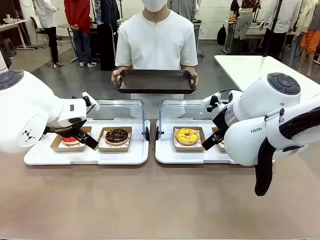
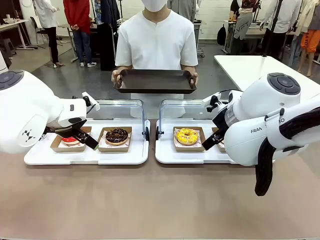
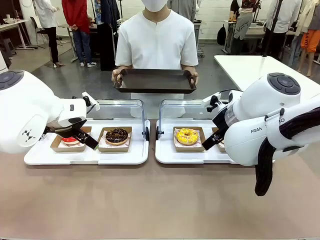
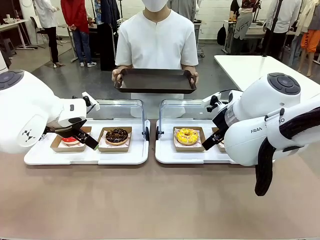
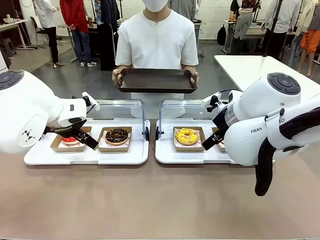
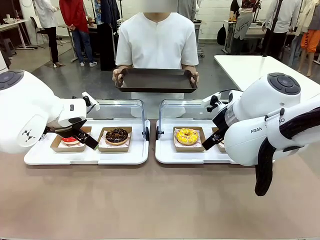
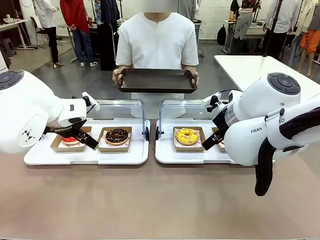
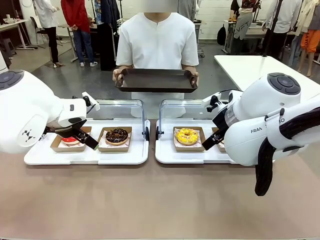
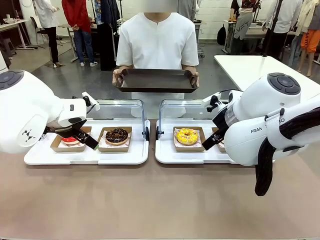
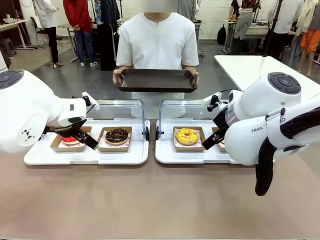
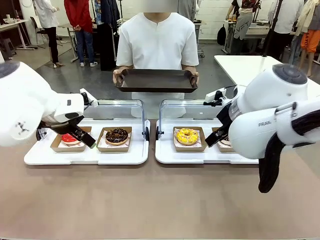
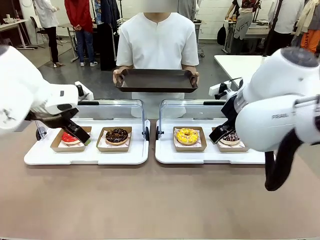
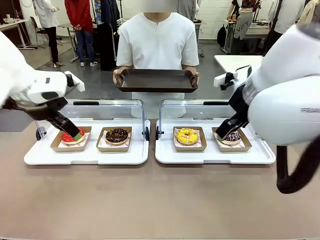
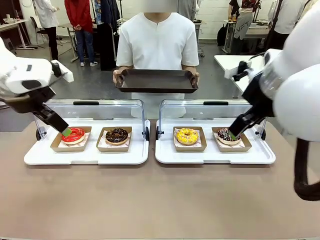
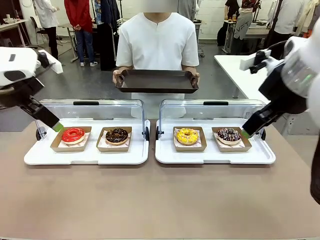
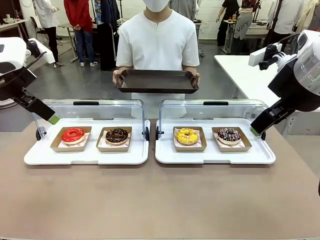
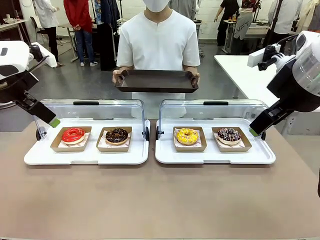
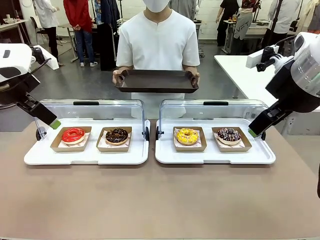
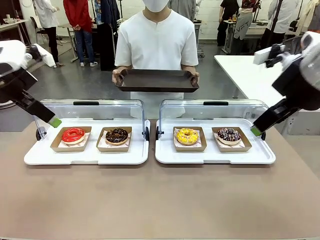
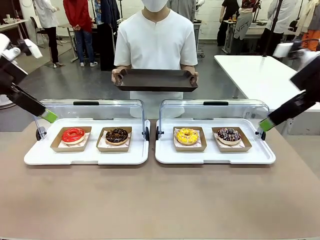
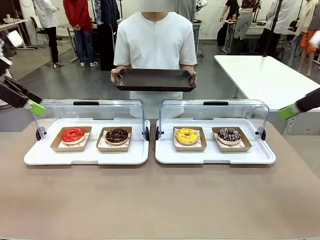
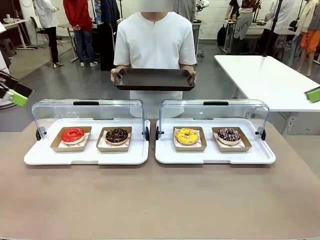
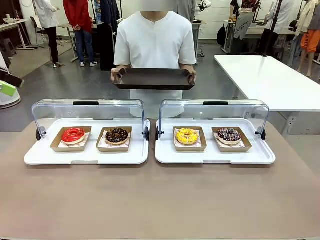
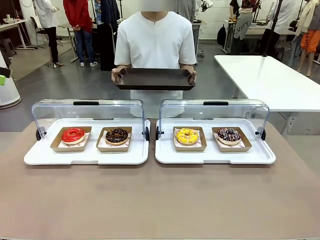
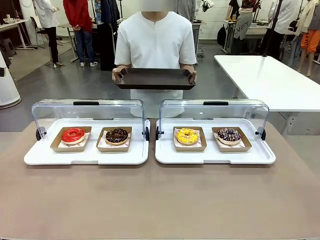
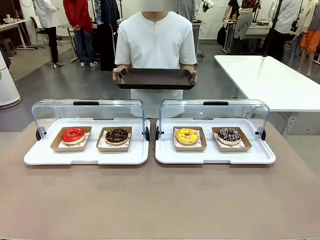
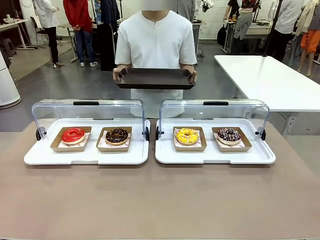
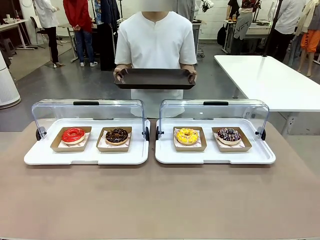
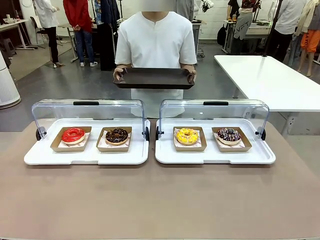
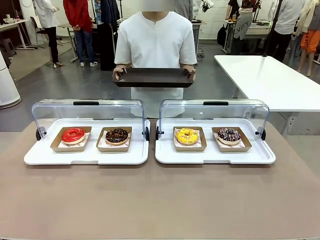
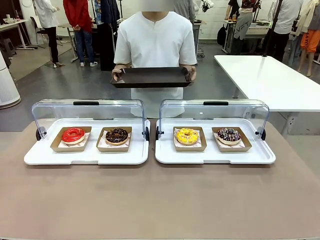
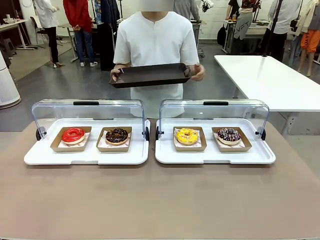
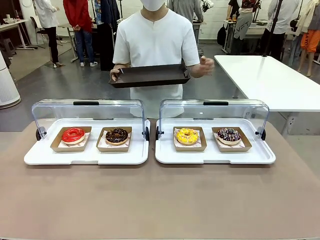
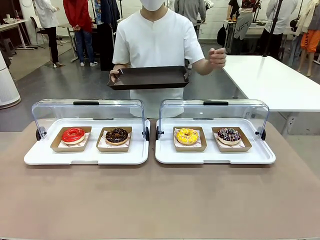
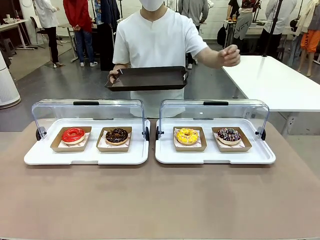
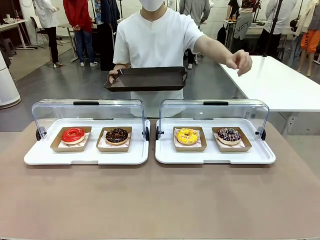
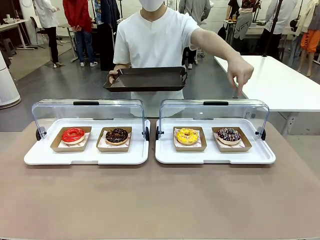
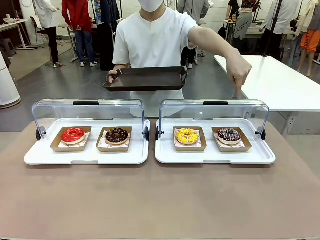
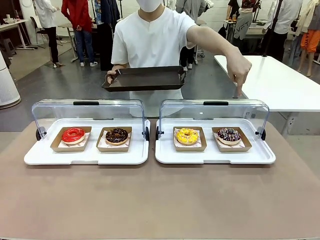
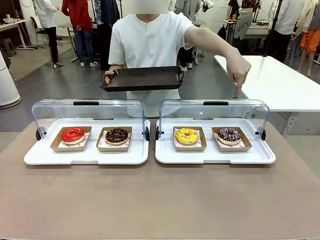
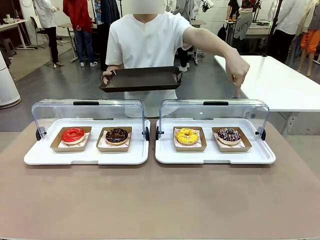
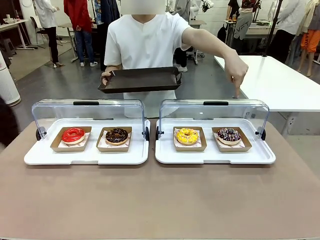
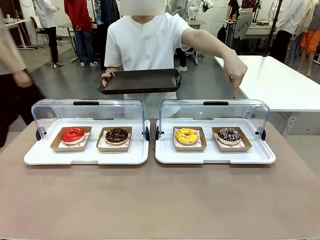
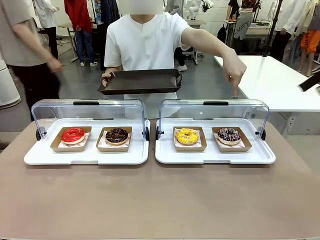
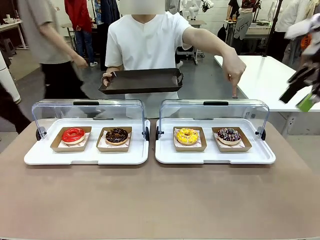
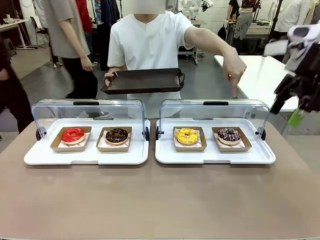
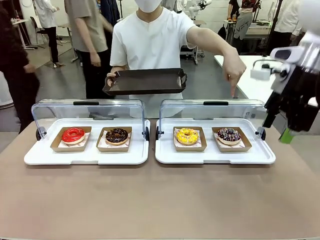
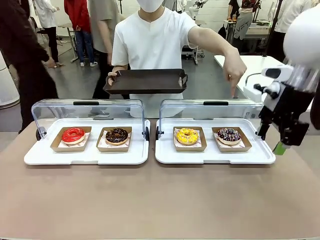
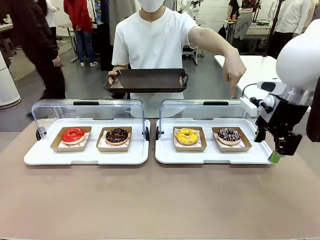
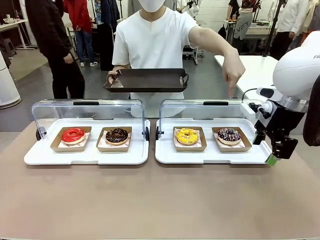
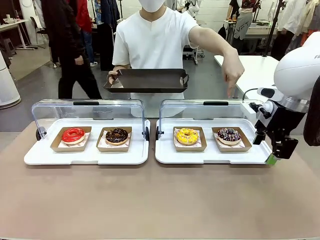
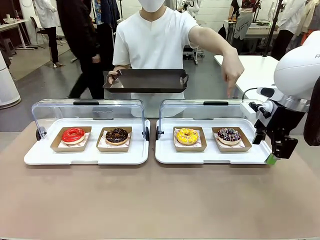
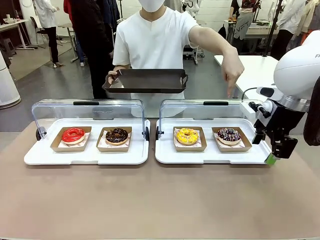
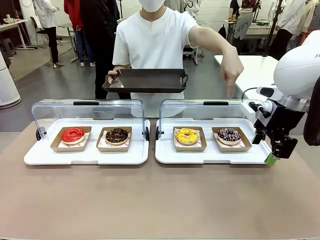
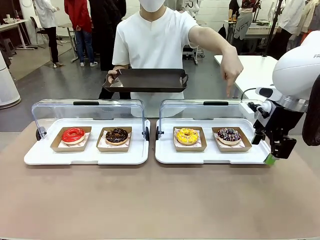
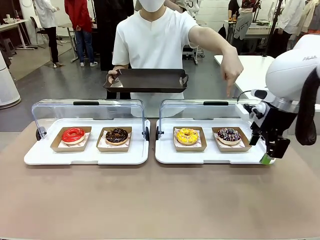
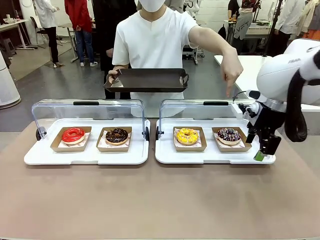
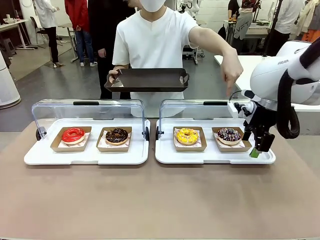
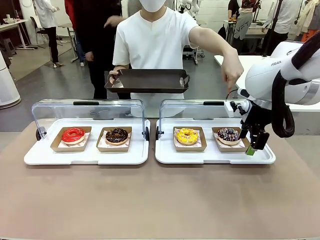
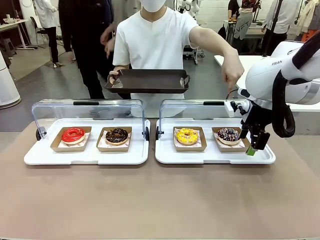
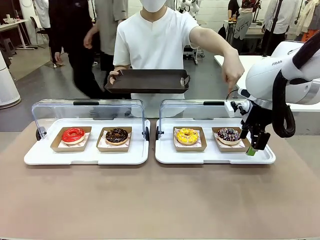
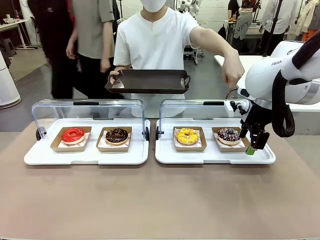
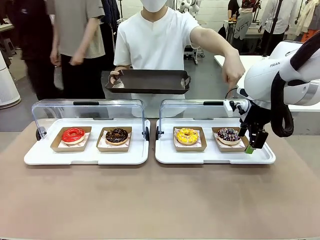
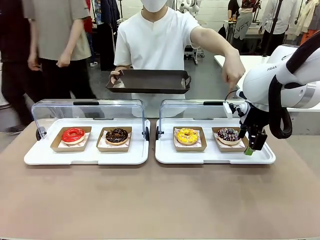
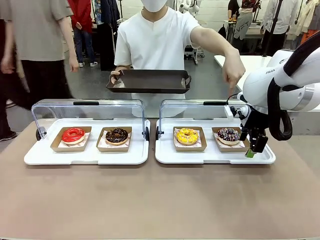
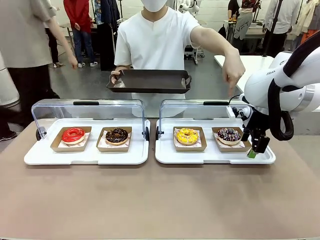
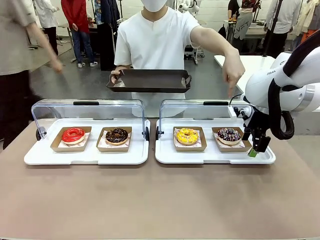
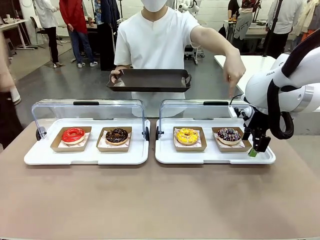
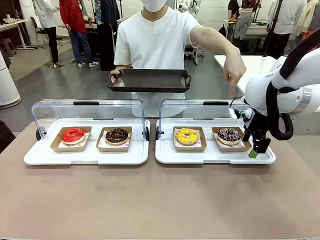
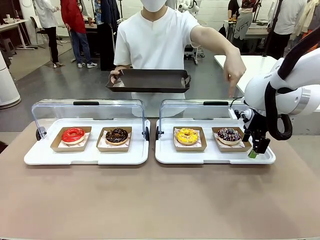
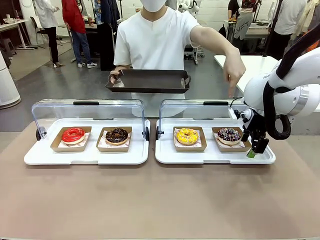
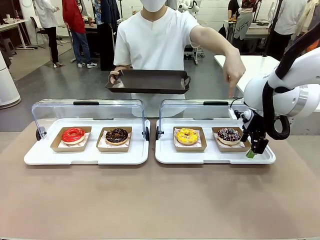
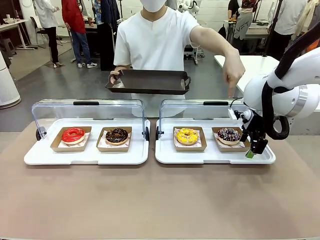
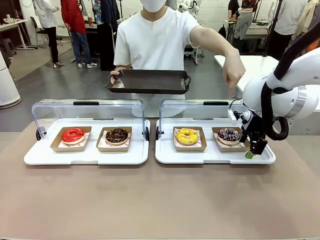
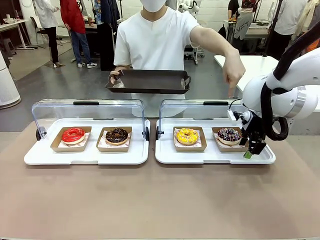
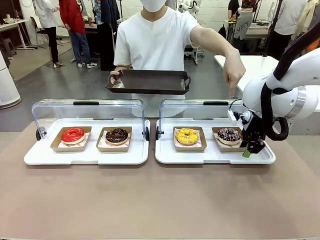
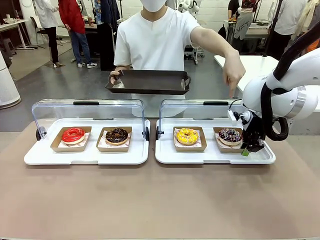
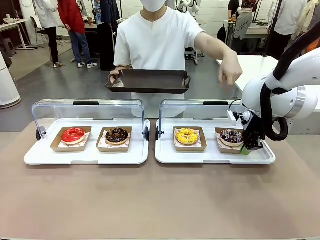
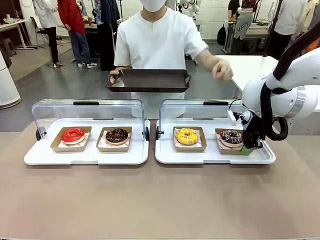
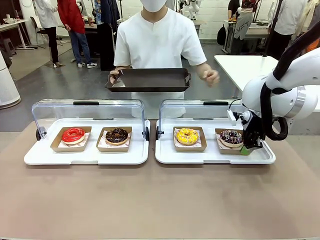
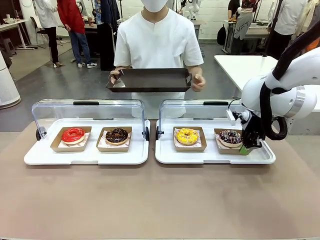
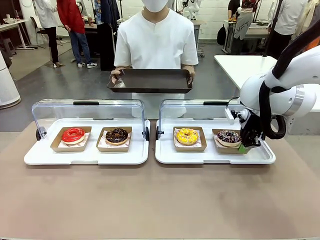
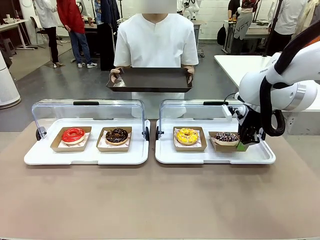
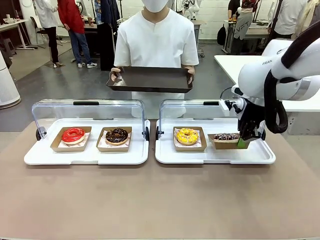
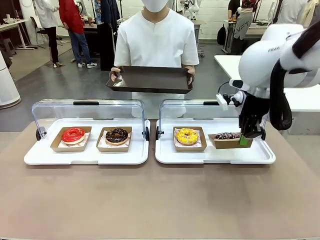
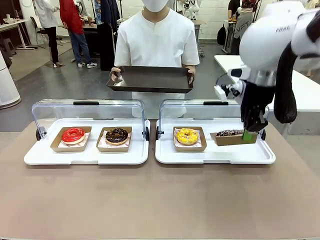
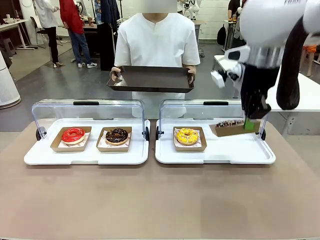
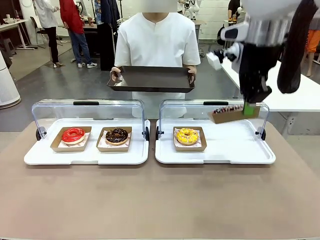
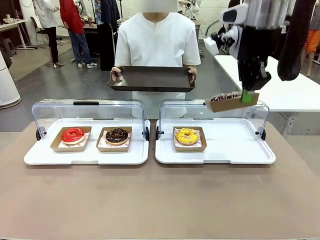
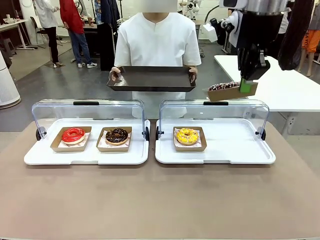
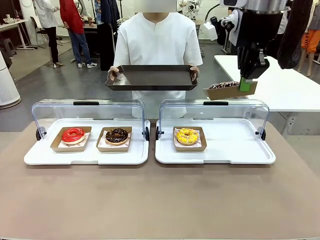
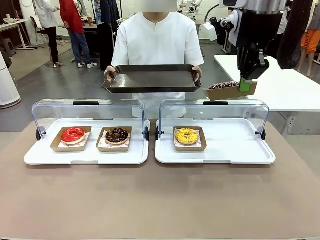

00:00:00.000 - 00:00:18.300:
Task: Provide the desired donut to the person.
Robot: Pick up and lift the Paper togo box containing the Donut pointed at by the person.
Person: Point to one donut. Lift the tray onto the Roll-Top Bakery Case.
